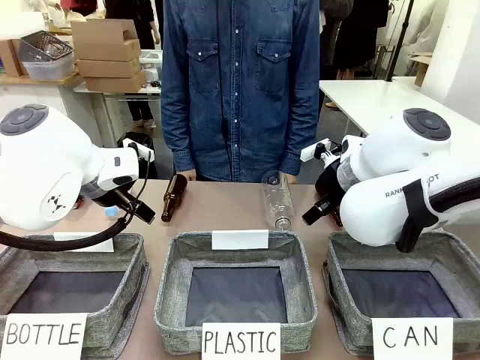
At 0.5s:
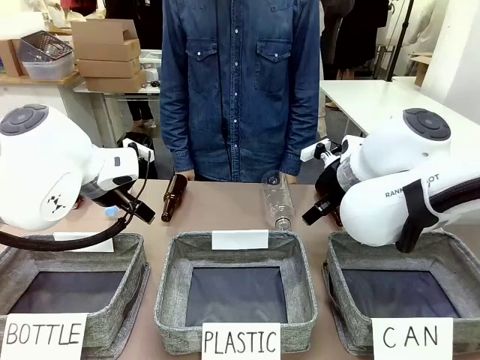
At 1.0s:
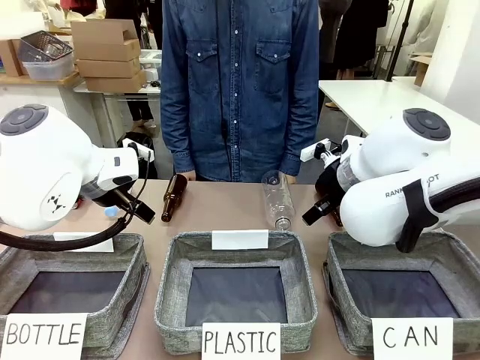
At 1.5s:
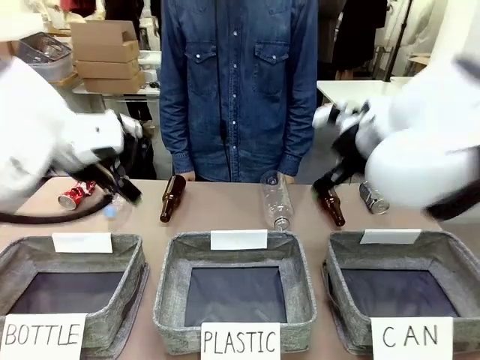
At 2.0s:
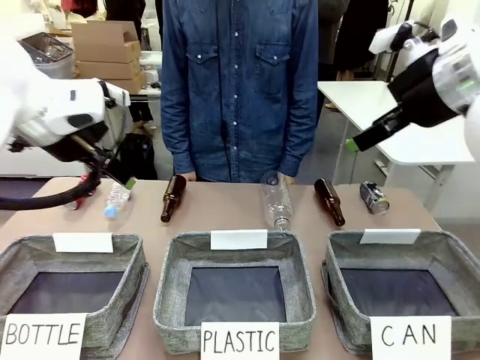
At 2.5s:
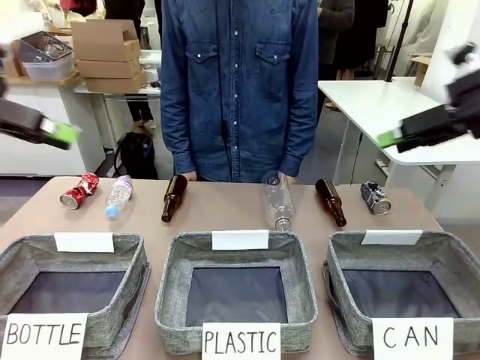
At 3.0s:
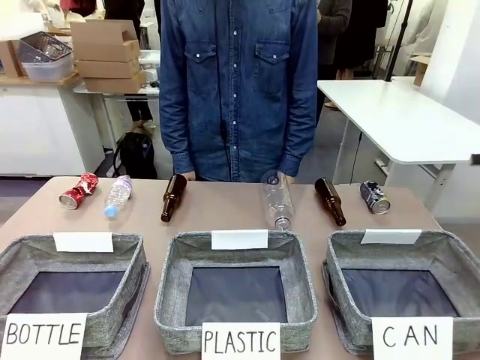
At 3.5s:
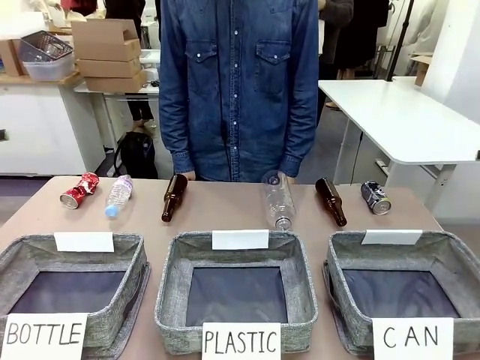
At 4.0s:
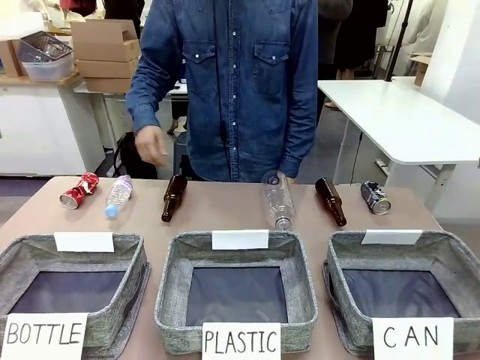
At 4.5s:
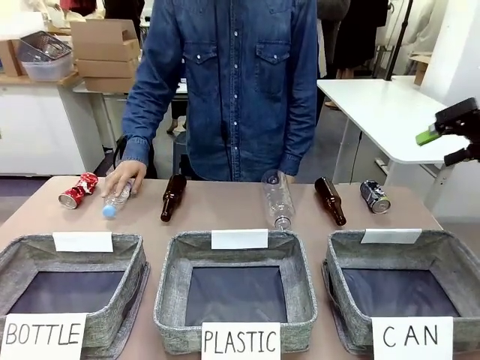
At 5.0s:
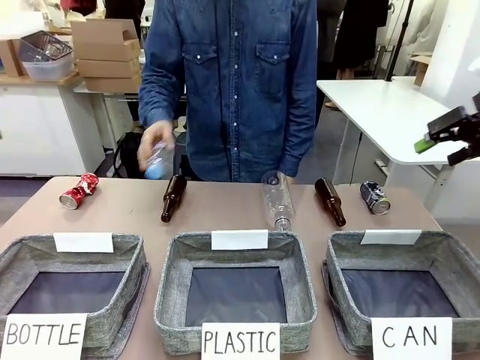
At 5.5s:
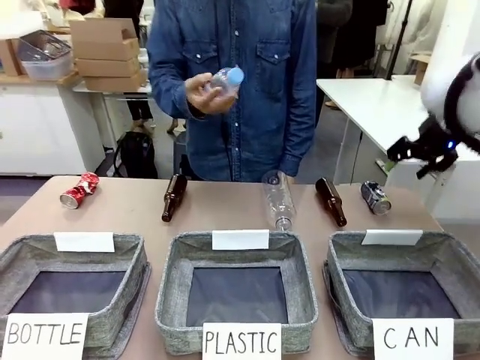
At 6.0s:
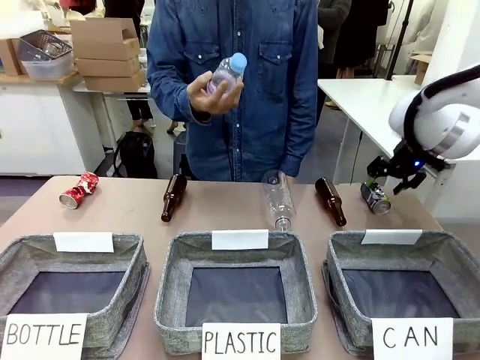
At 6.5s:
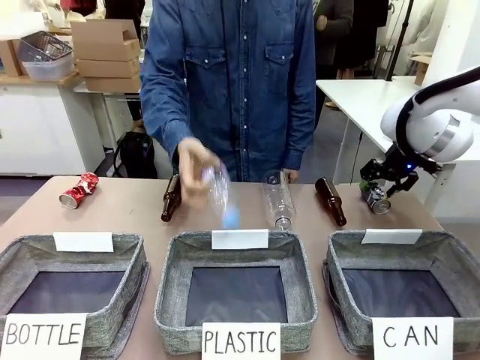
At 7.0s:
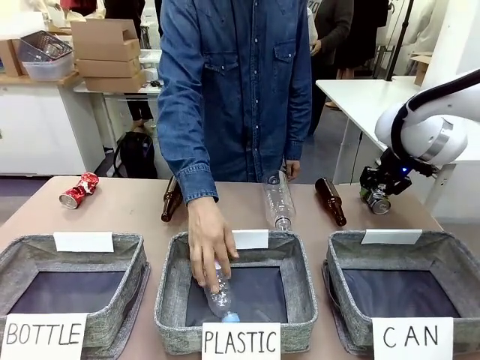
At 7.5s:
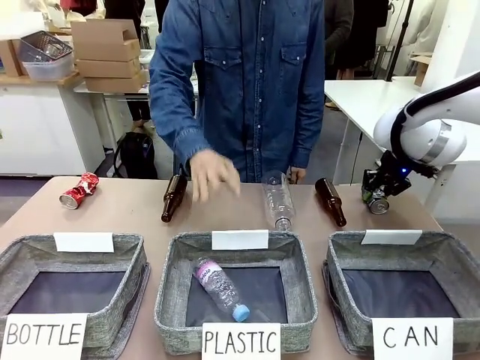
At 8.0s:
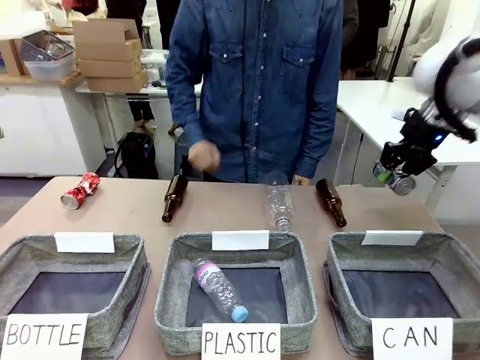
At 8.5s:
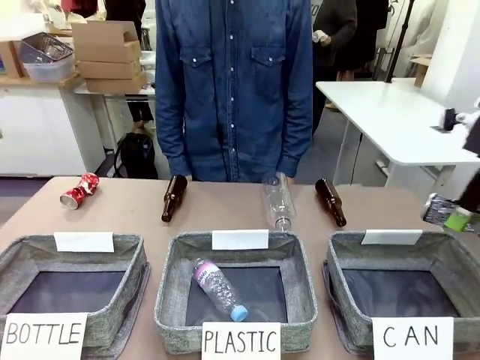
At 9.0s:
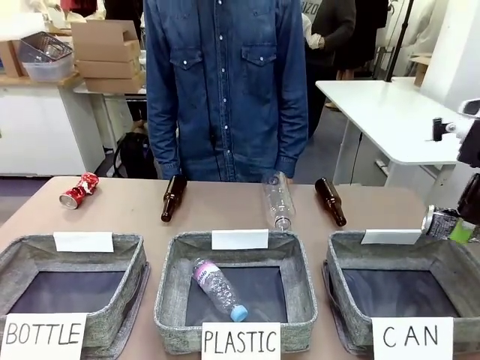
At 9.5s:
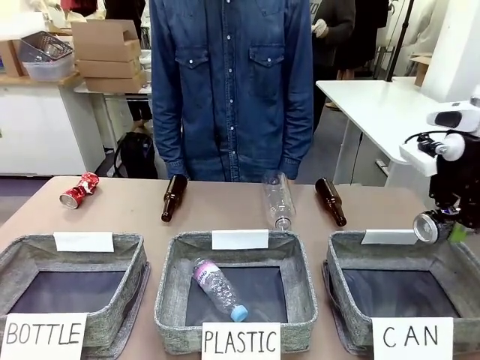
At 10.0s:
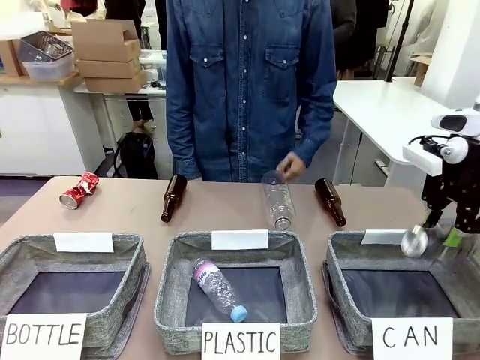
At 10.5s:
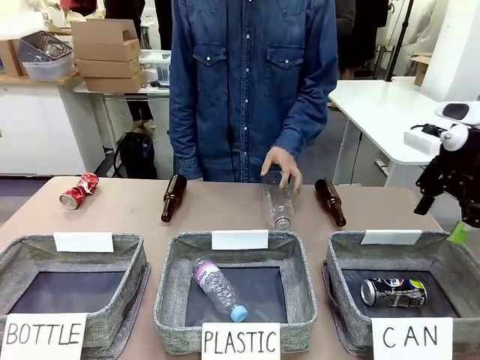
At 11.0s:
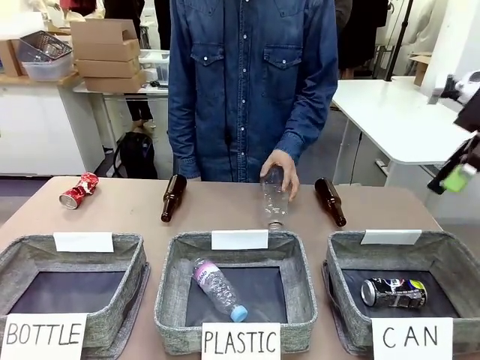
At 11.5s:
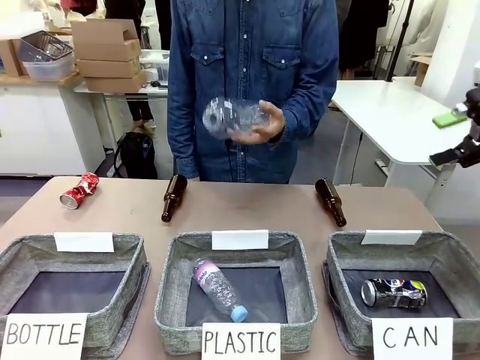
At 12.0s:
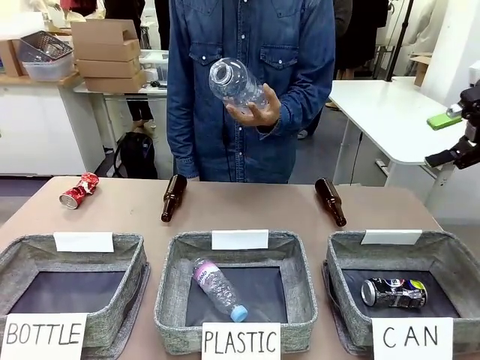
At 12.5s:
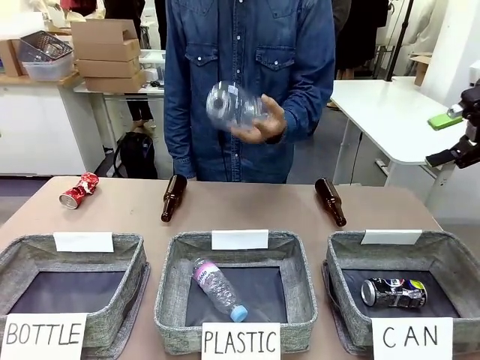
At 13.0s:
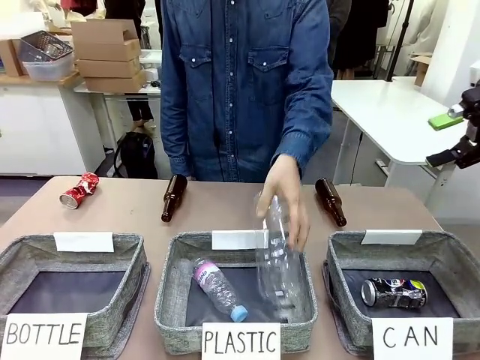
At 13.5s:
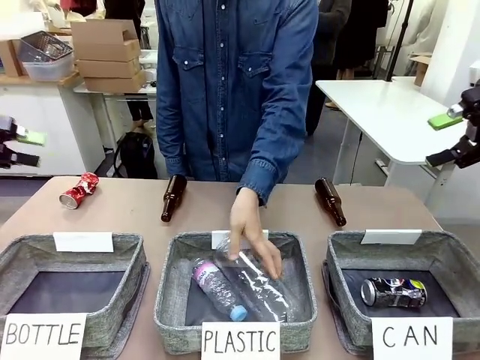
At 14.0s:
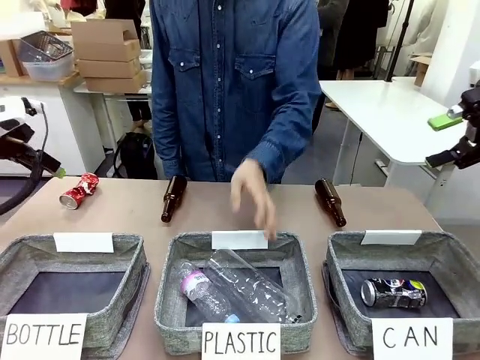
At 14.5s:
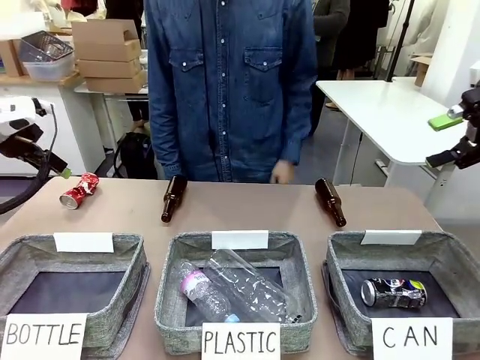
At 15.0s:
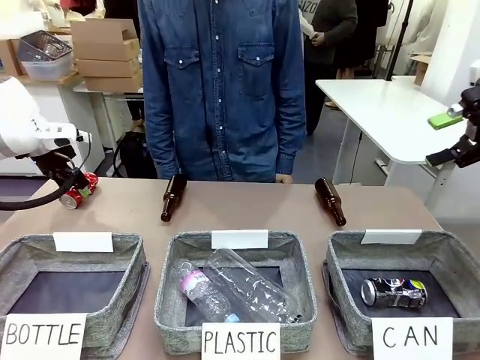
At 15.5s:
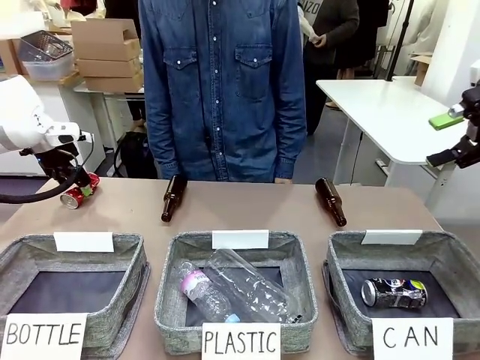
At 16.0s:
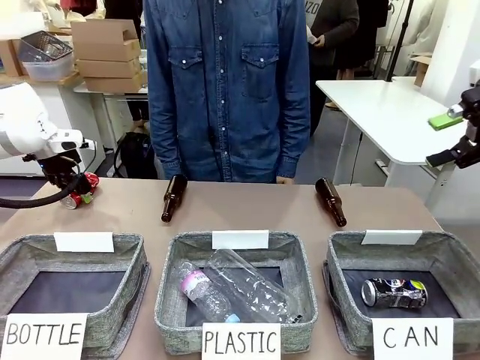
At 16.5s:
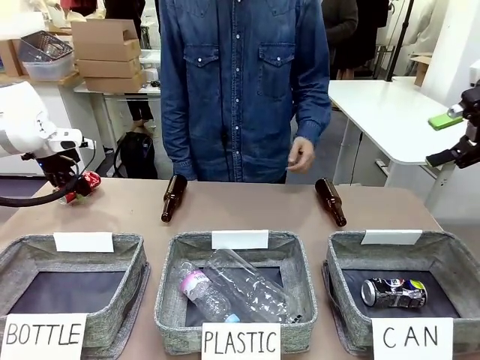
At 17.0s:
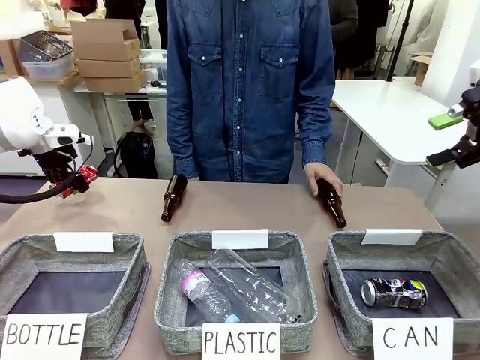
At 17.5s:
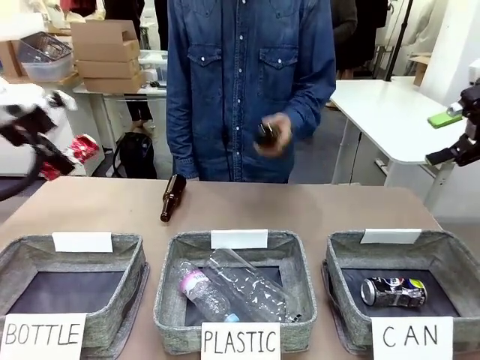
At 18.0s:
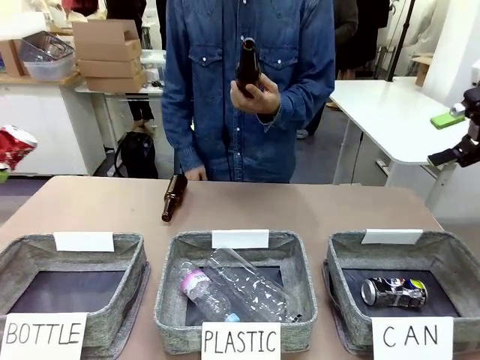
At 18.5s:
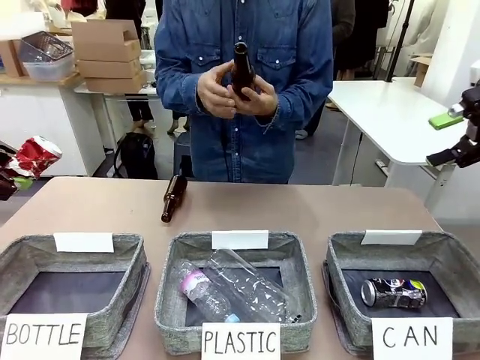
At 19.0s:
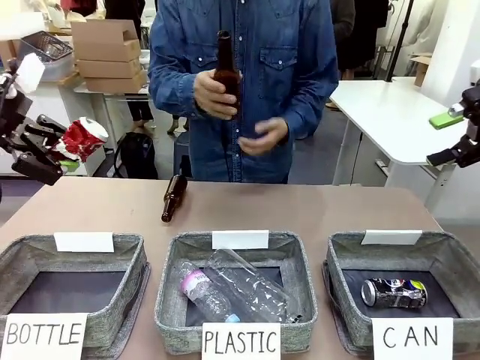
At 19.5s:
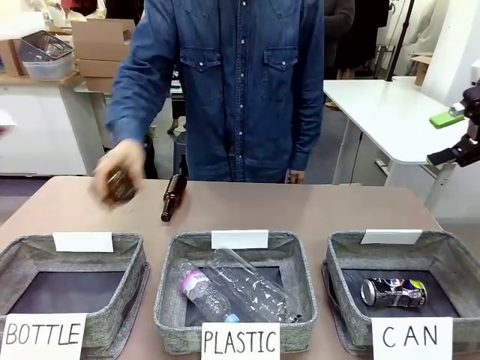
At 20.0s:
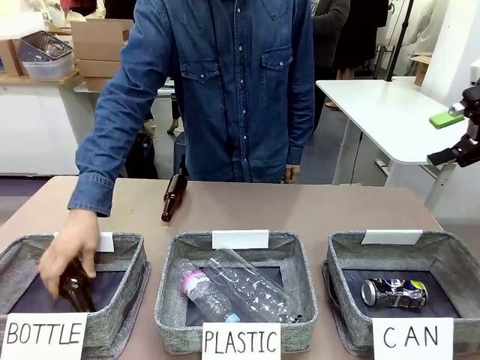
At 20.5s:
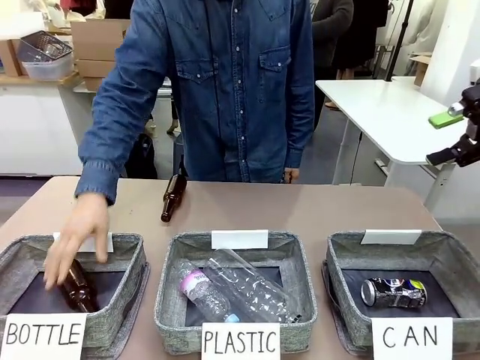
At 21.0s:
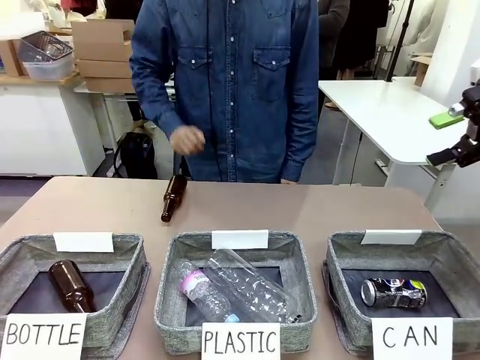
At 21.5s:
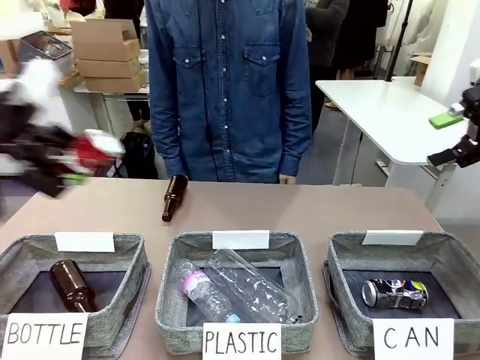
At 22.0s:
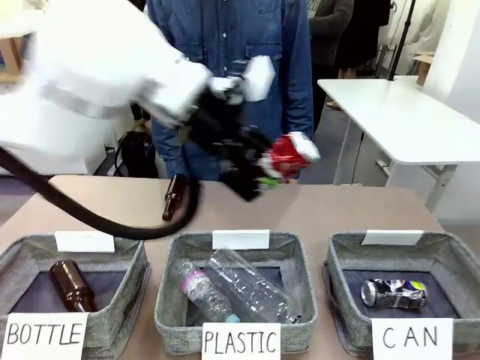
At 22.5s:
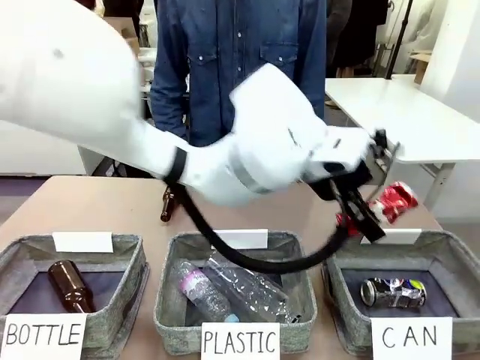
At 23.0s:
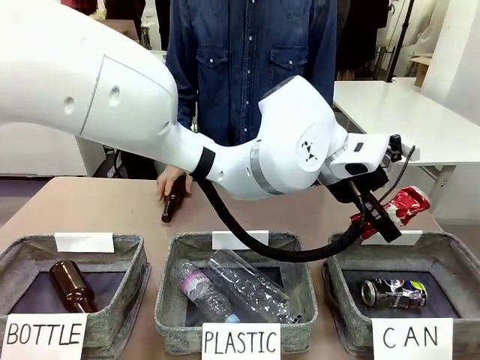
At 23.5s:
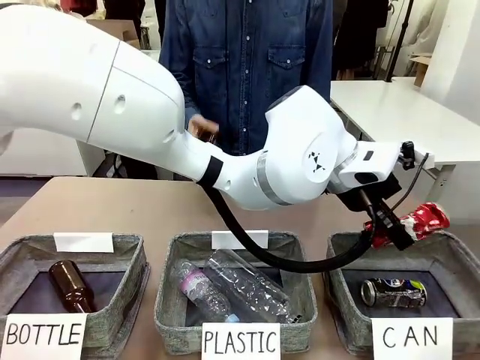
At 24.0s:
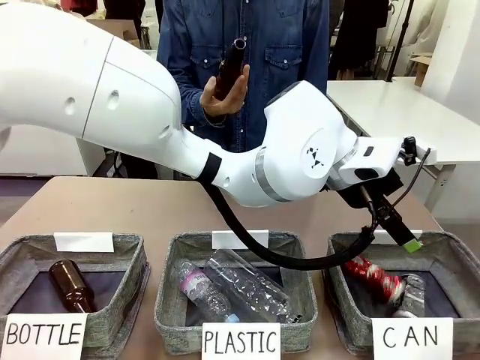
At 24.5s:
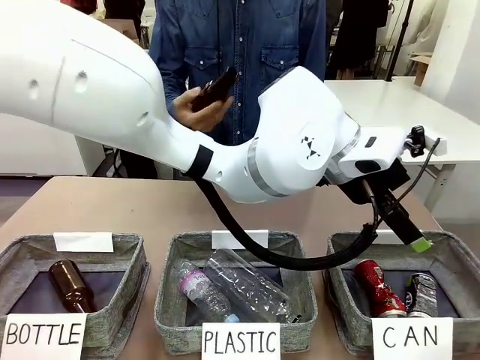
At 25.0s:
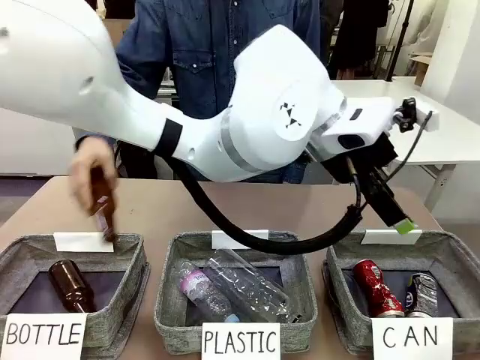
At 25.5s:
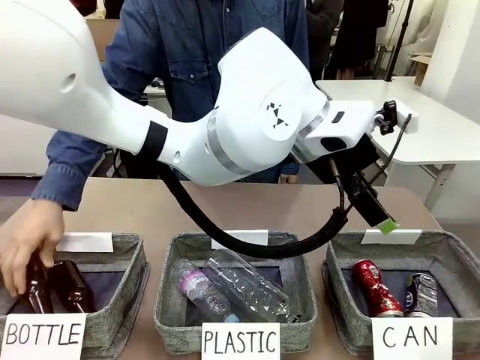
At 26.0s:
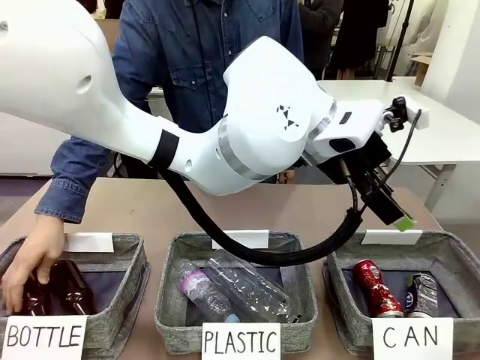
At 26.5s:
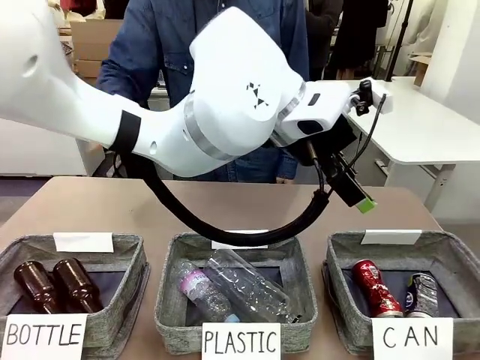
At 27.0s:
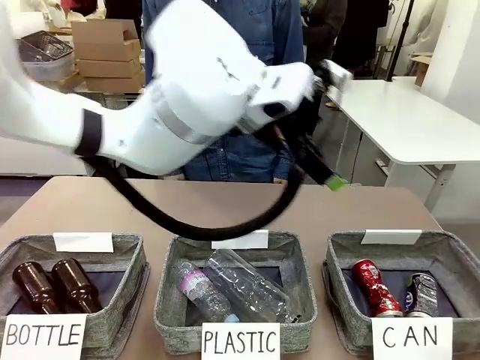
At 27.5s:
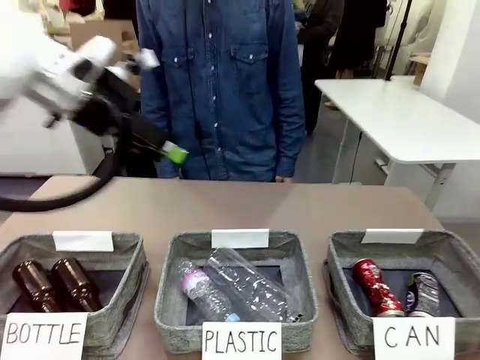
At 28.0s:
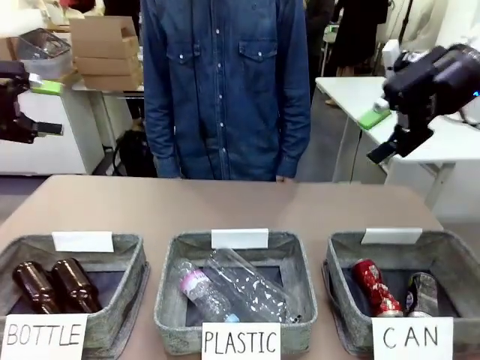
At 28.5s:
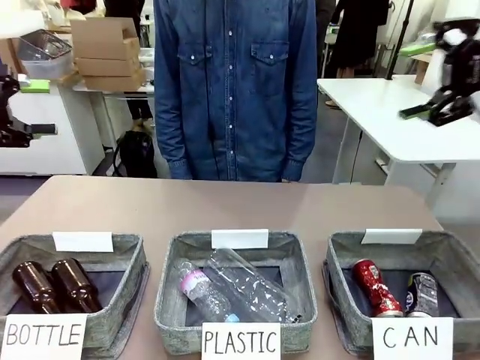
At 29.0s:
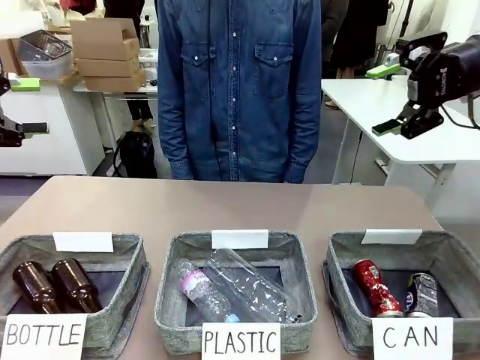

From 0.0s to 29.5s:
Task: Sort the can waste into the basket.
Robot: Pick up the can waste from the table and place it in the right Fabric basket.
Person: The human picks up one piece of trash that is not a can and places the trash into the appropriate organizing basket.
